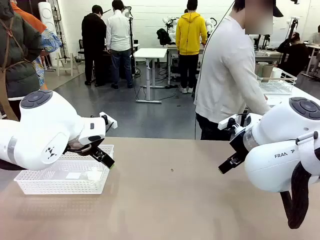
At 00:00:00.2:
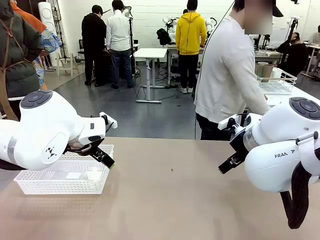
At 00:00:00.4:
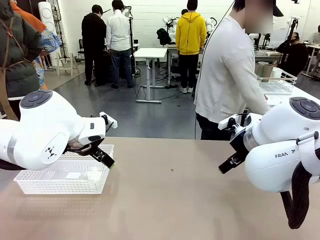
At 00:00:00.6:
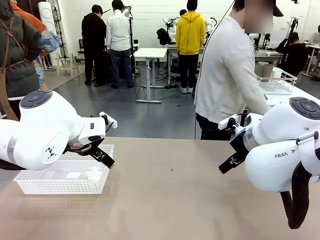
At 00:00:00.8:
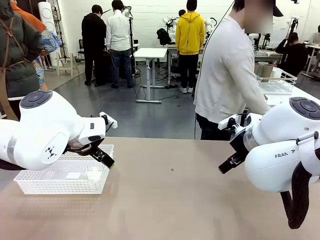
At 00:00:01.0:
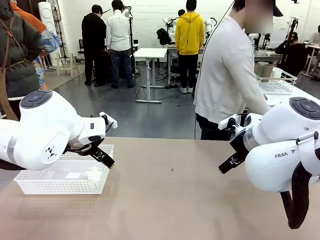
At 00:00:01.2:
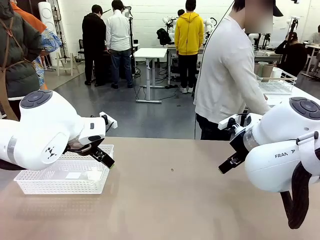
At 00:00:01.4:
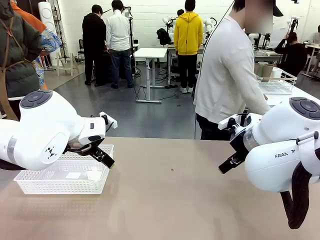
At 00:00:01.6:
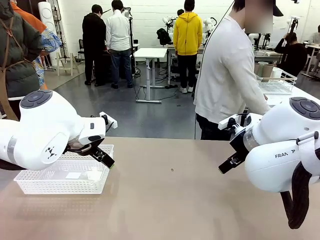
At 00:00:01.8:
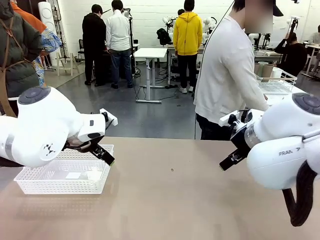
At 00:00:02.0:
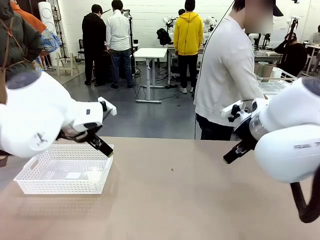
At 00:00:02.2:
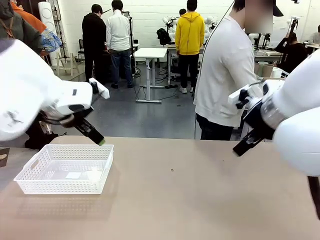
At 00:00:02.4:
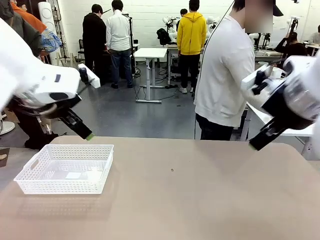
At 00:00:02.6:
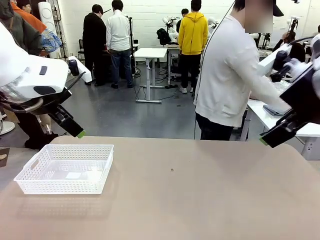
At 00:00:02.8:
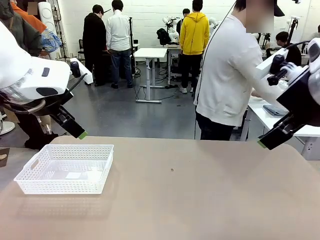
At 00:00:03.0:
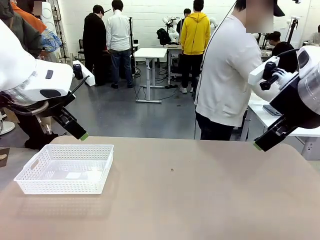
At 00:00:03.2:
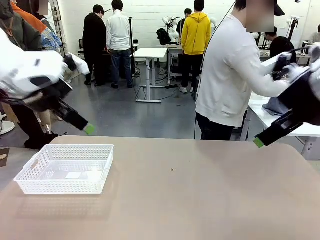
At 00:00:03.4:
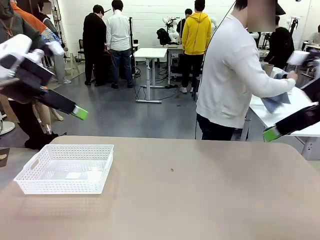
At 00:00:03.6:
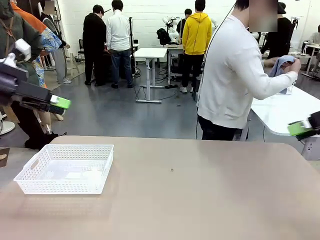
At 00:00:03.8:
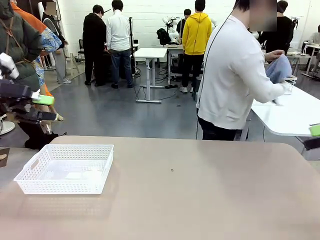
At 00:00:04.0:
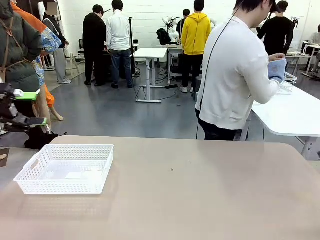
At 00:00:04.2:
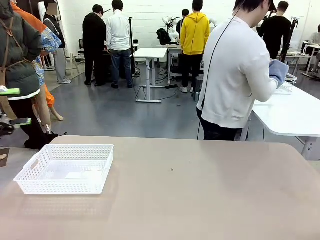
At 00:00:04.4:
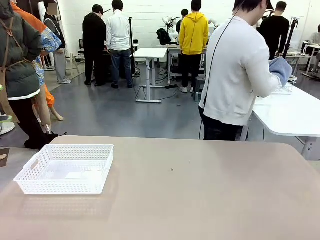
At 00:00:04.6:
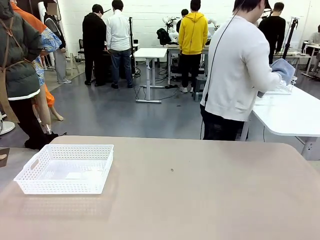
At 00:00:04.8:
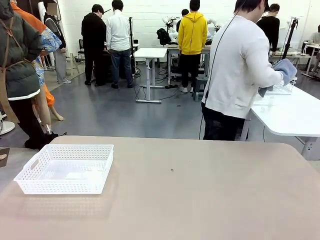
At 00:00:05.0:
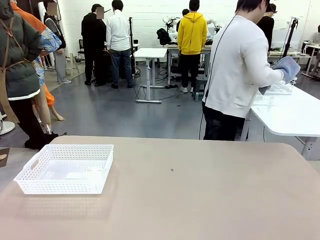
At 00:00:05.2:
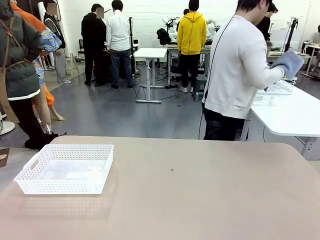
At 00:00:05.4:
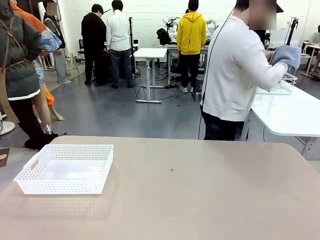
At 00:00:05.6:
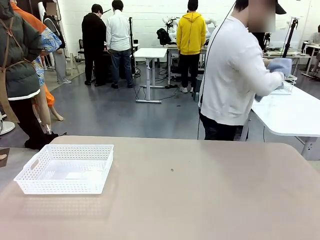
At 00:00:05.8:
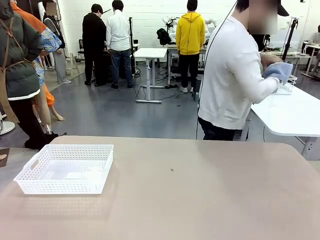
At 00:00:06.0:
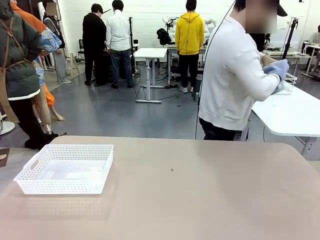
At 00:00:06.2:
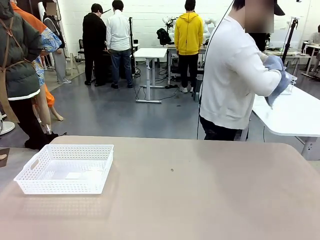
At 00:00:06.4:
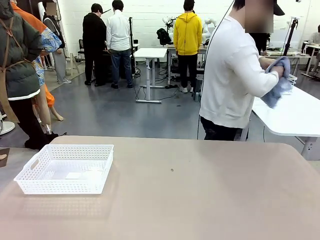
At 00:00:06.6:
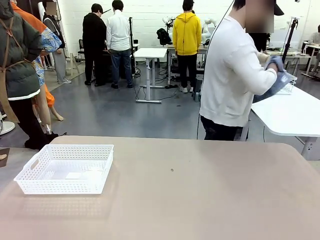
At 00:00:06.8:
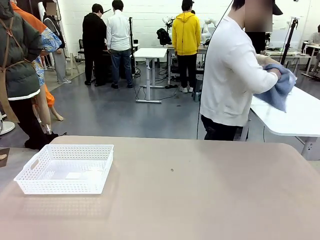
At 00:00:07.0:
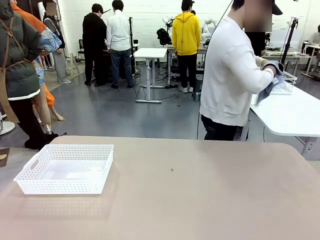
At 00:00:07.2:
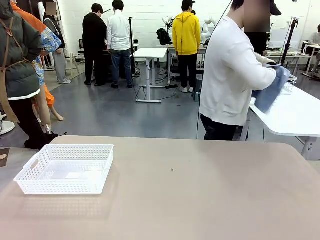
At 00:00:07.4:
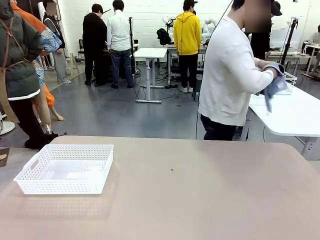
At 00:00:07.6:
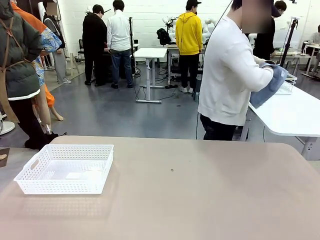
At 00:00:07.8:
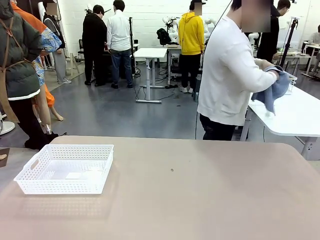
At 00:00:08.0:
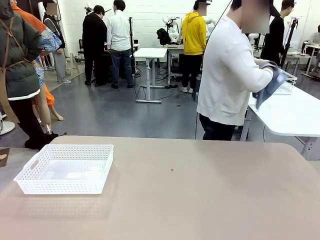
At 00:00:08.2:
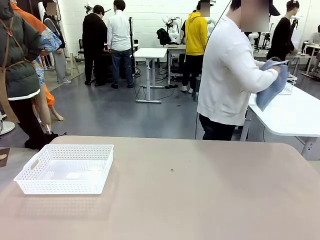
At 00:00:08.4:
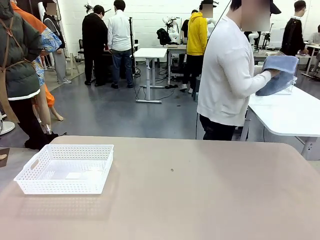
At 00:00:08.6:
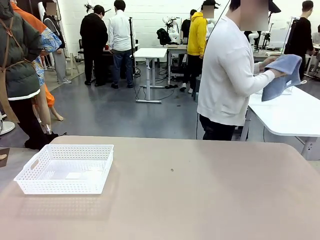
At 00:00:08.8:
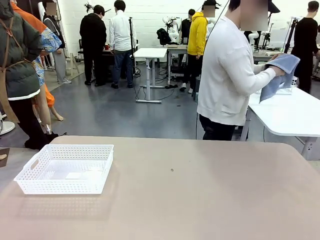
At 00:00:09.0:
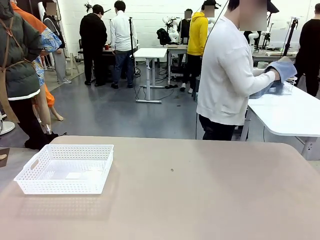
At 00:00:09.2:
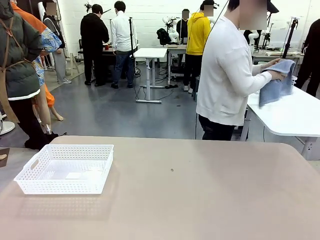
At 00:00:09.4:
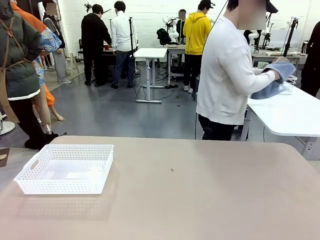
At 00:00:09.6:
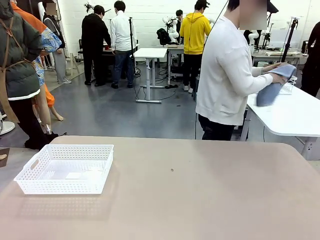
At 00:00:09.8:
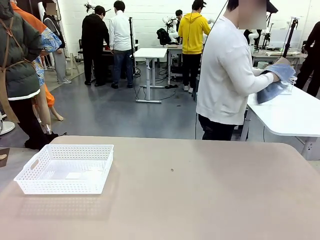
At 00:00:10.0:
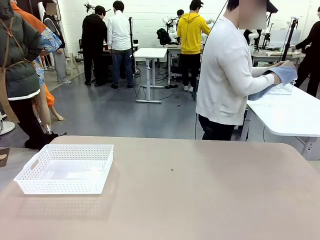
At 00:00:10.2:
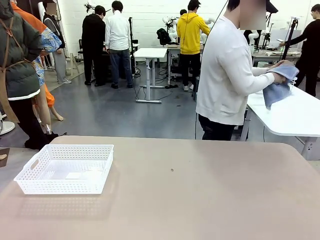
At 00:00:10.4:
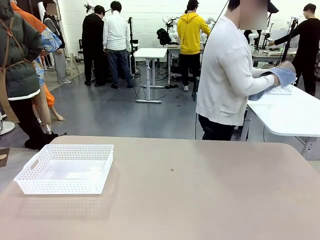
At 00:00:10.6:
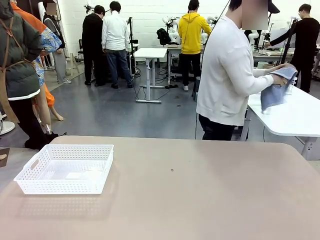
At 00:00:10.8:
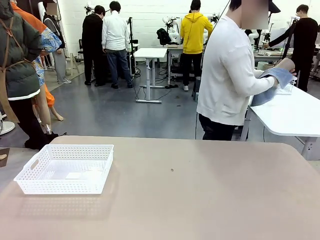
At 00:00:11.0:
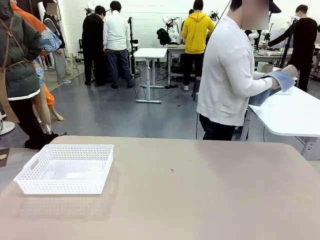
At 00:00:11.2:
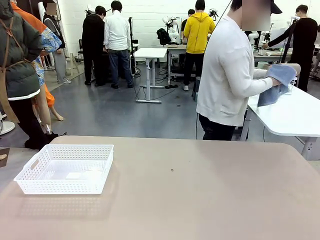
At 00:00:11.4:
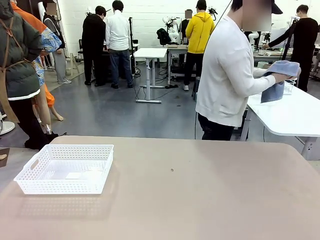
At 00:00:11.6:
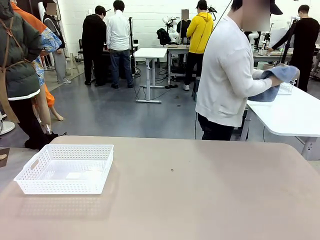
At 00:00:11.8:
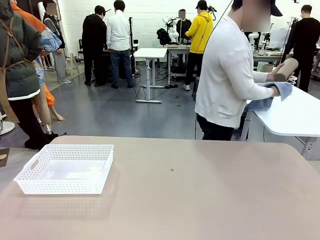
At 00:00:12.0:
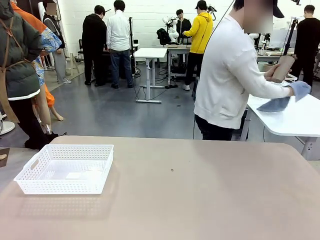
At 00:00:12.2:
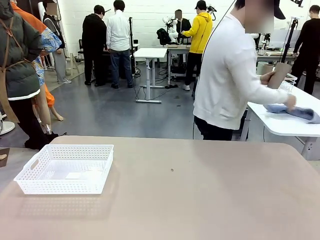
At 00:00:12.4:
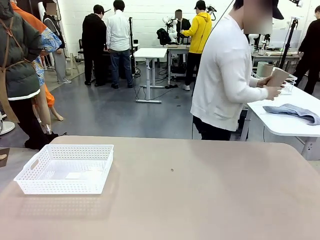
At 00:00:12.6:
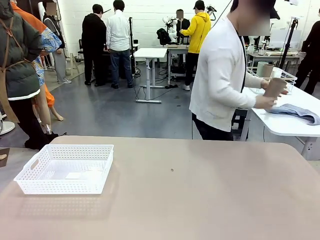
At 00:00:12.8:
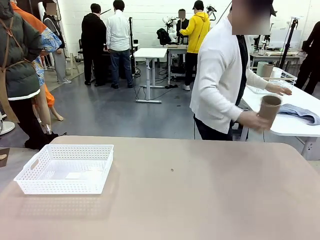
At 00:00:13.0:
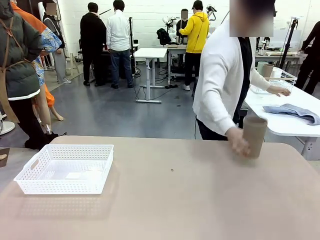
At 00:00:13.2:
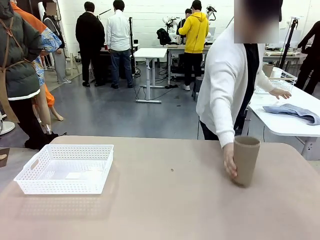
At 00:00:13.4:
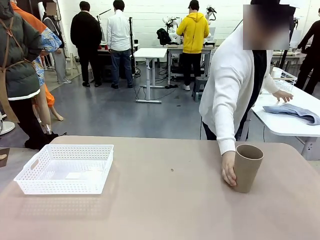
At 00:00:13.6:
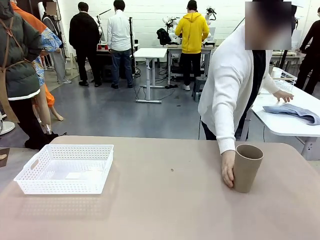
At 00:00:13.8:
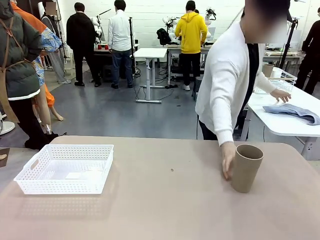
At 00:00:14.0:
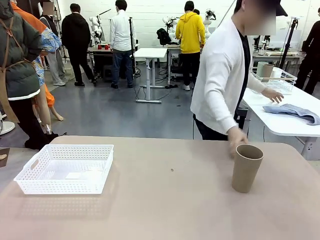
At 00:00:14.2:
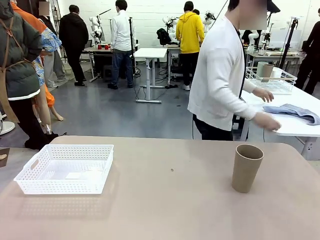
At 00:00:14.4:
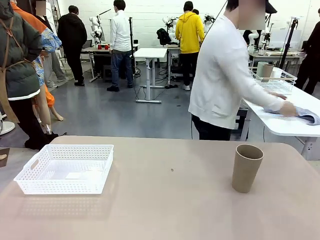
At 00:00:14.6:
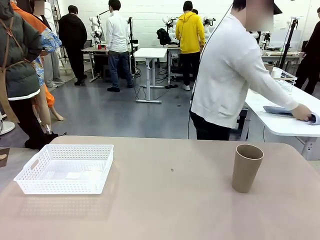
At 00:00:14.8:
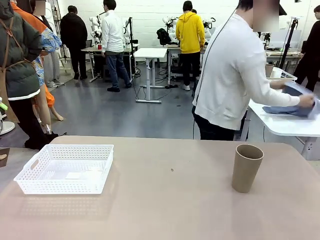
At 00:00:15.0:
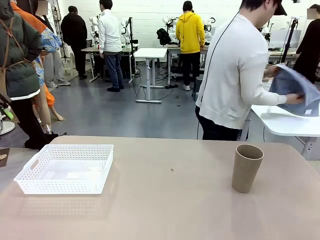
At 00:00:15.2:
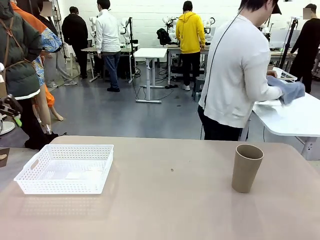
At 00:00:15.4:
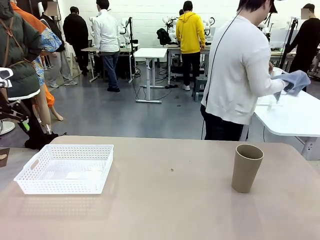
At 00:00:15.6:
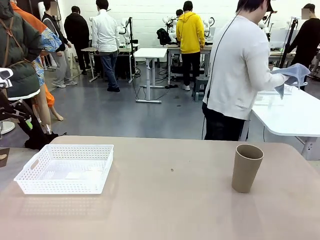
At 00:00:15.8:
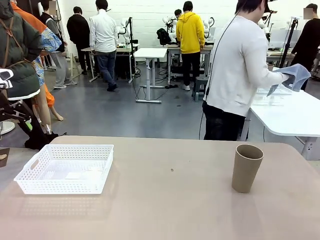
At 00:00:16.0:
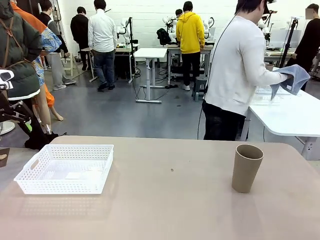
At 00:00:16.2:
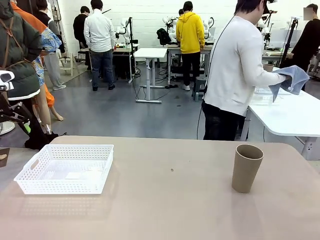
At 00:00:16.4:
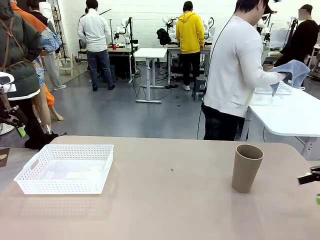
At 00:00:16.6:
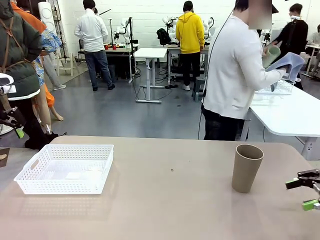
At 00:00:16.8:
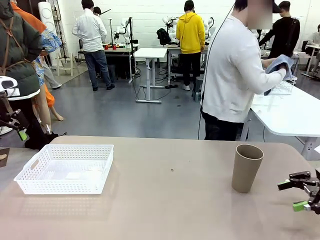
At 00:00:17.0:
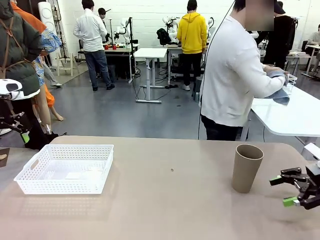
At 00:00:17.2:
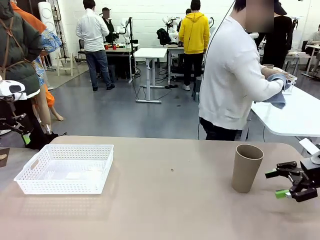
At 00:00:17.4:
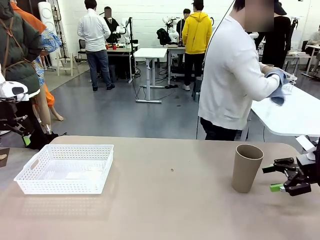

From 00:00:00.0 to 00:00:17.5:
Task: Clean and organize the cups into the basket.
Robot: Pick up the Organizing basket and move it to the center of the table, then pick up the Reusable plastic cup from the right side of the table and place it inside the Organizing basket.
Person: Picks up a cup and a towel, cleans the cup with the towel, and places it on the left side of the robot table.
